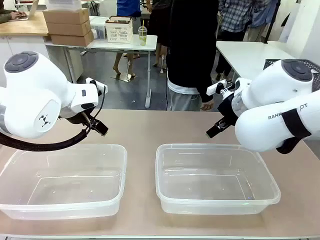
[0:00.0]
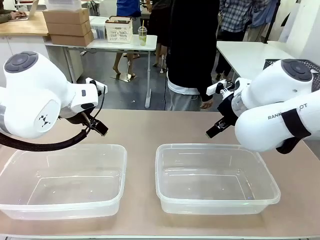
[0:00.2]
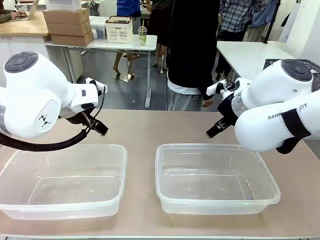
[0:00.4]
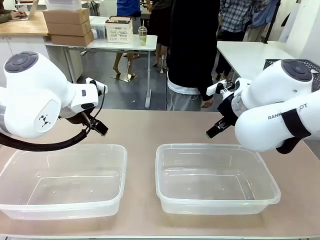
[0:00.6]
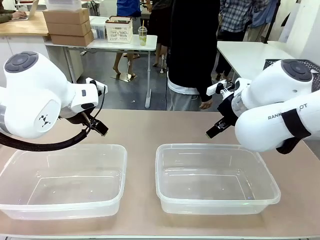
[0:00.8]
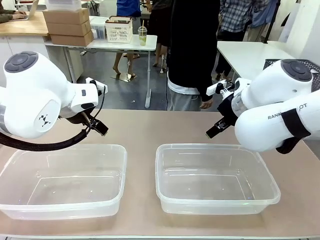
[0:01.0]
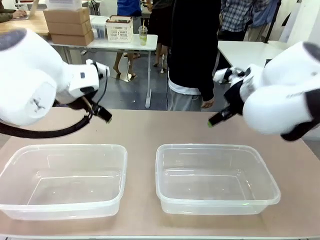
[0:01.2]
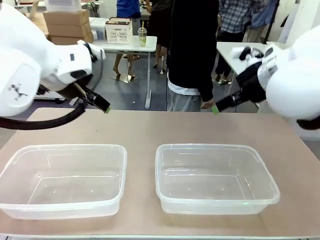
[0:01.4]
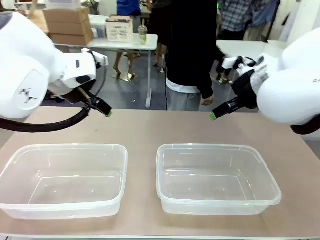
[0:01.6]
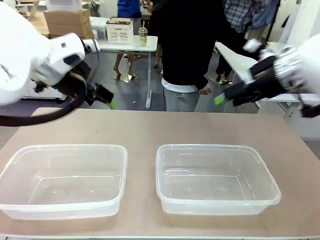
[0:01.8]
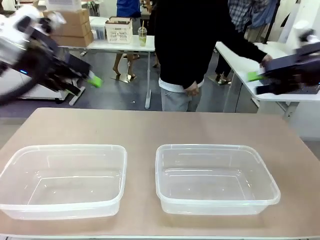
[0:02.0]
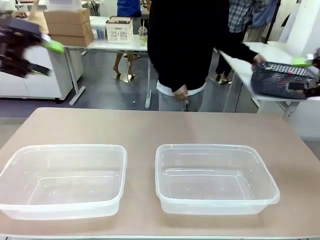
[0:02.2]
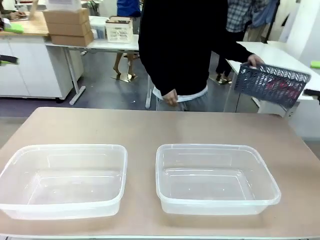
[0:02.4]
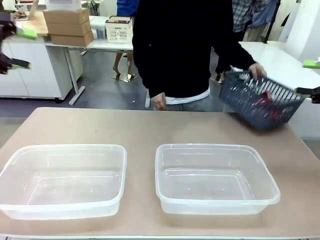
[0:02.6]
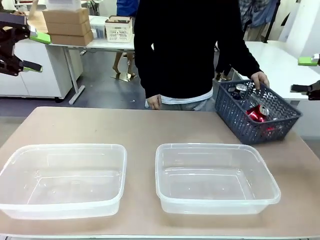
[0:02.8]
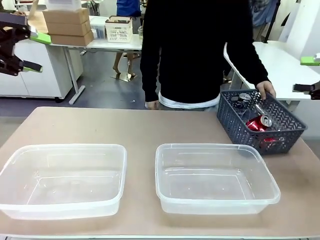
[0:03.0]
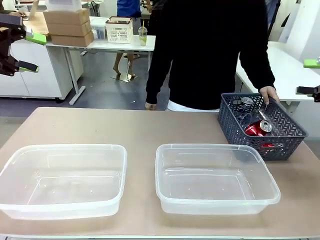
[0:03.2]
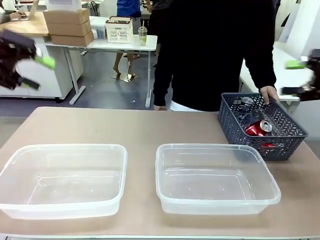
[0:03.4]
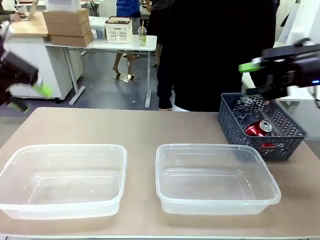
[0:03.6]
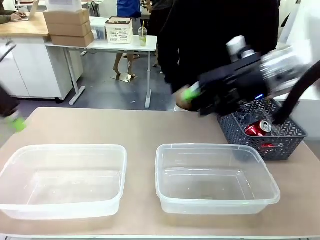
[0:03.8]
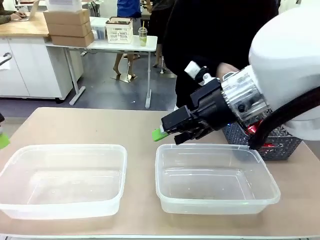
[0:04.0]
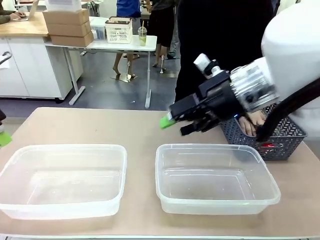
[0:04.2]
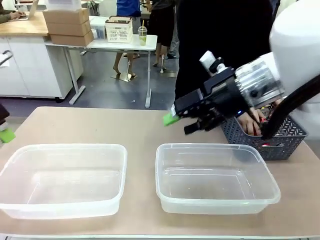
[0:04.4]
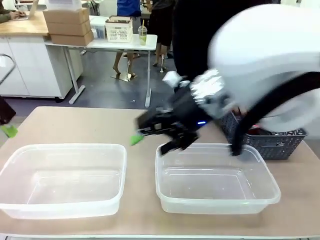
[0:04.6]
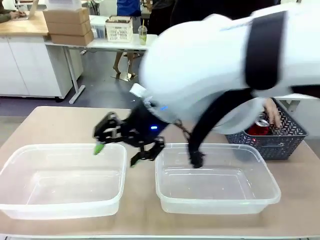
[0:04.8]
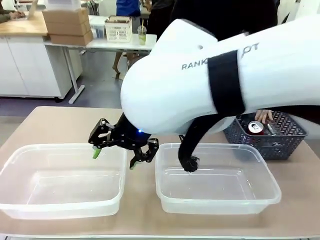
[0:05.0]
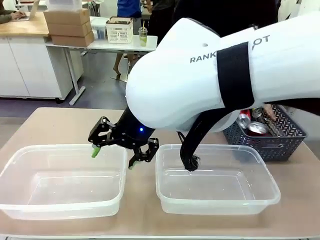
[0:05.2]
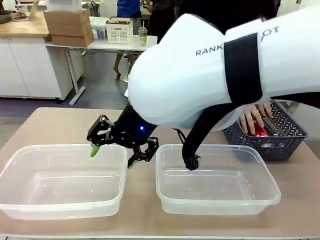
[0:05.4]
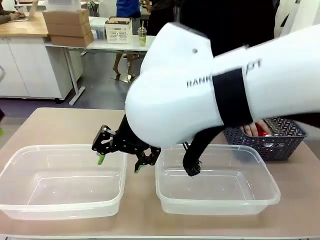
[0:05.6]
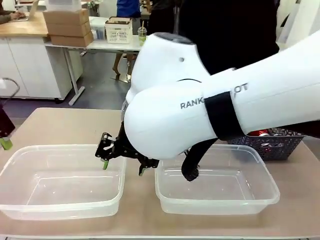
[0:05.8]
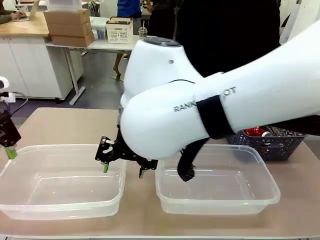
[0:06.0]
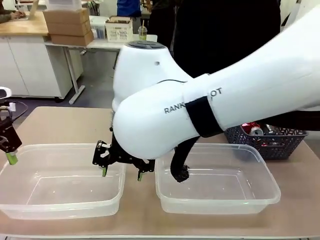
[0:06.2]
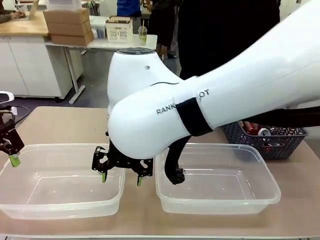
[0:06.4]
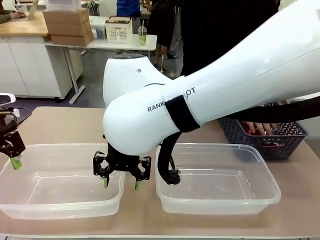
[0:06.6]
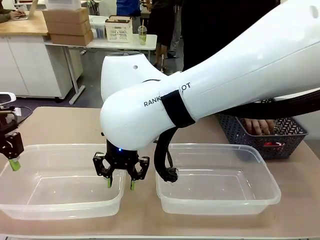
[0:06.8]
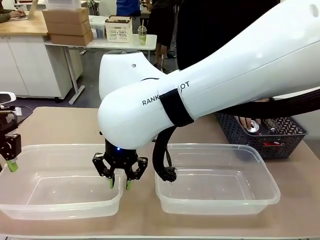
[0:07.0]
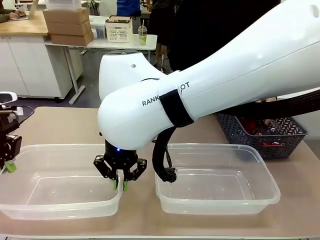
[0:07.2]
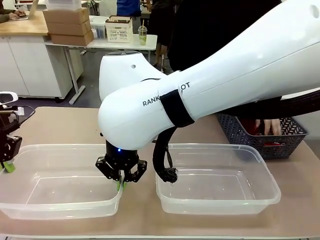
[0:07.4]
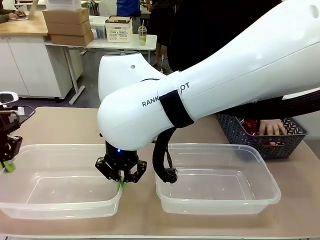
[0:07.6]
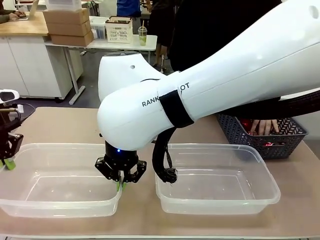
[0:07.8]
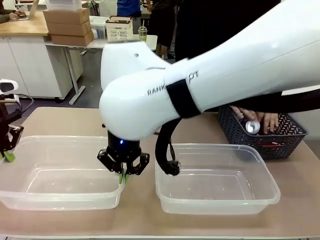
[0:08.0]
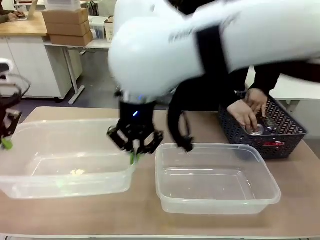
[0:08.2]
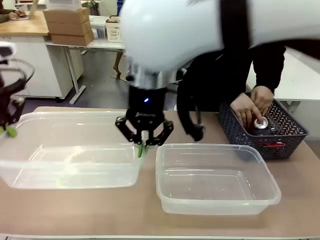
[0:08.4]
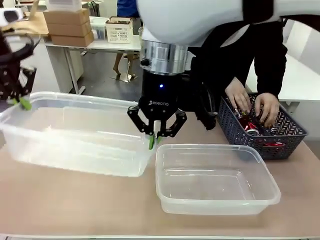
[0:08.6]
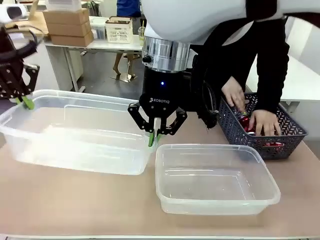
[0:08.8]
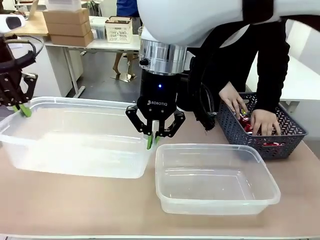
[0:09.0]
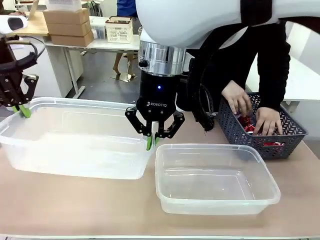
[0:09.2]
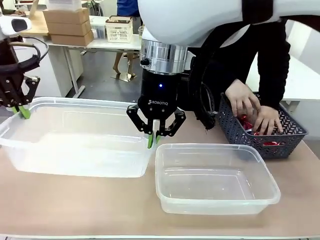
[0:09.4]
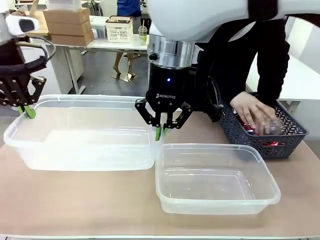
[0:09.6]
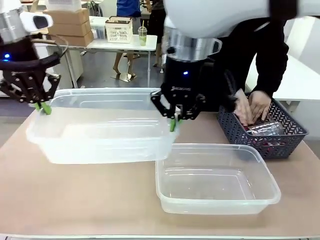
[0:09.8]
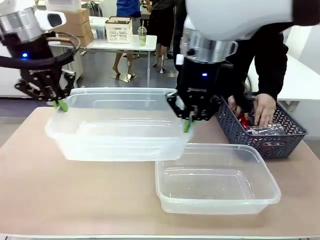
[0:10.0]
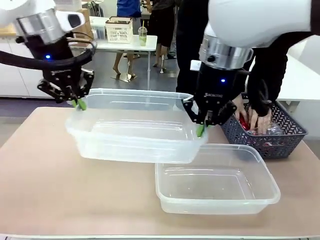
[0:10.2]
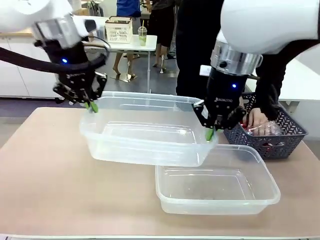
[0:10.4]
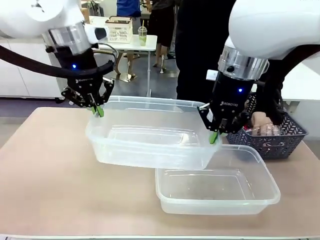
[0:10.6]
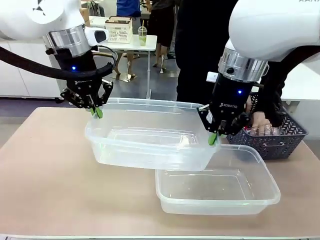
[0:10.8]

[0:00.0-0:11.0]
Robot: Pick up the Organizing box on the left side of the table and lift it.
Person: Pick up the storage basket and place it on the left side of the robot table. Pick up can-shaped waste one by one and place it into the organizing box lifted by the robot.

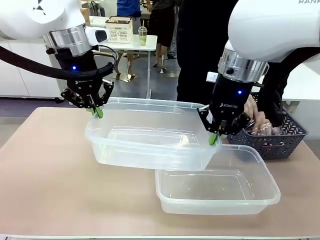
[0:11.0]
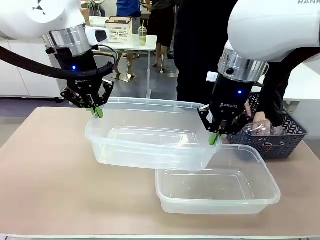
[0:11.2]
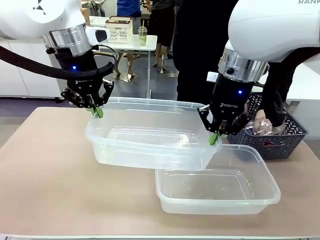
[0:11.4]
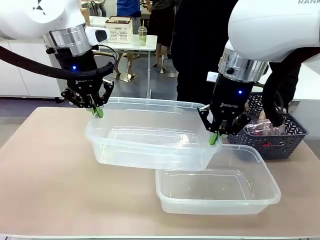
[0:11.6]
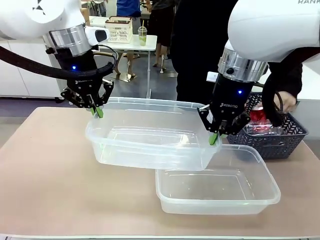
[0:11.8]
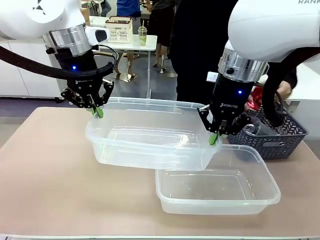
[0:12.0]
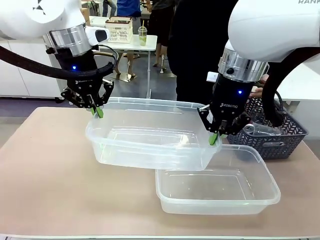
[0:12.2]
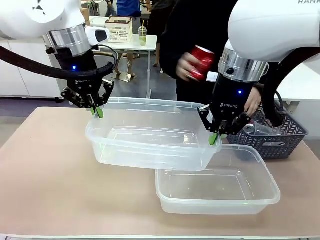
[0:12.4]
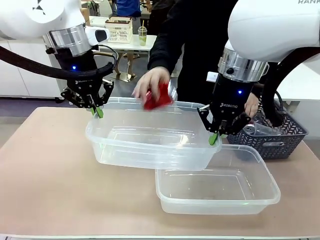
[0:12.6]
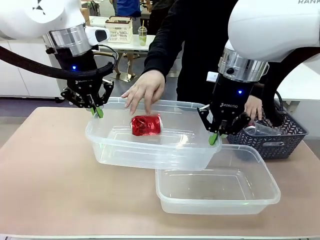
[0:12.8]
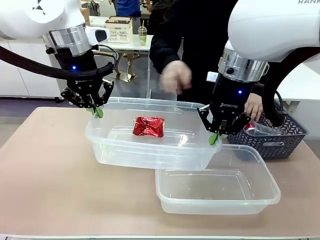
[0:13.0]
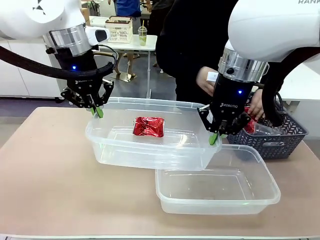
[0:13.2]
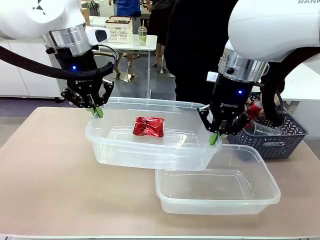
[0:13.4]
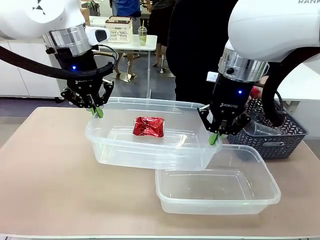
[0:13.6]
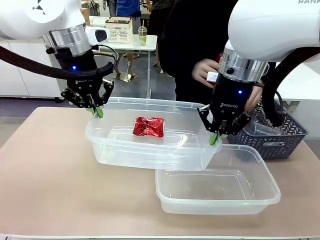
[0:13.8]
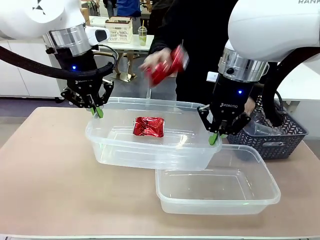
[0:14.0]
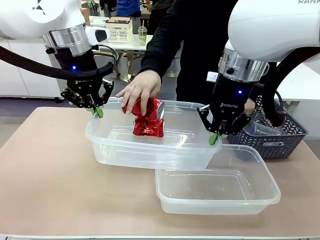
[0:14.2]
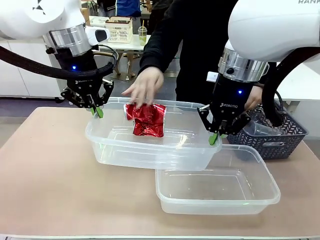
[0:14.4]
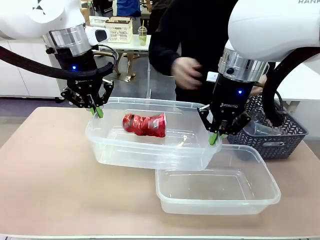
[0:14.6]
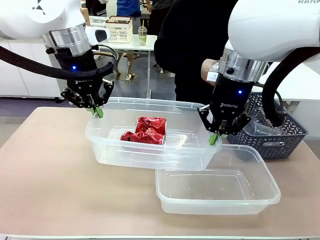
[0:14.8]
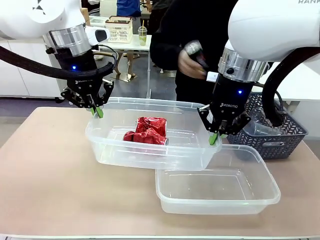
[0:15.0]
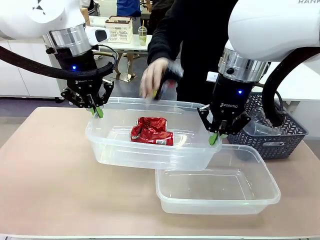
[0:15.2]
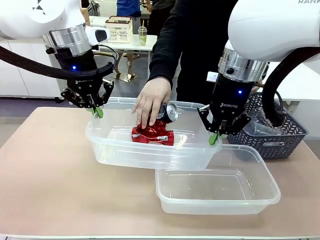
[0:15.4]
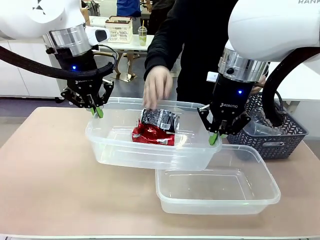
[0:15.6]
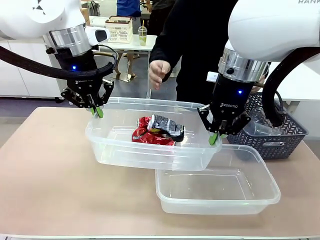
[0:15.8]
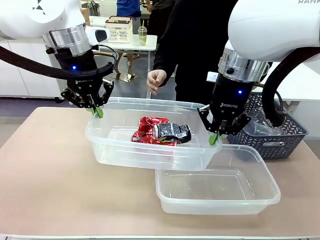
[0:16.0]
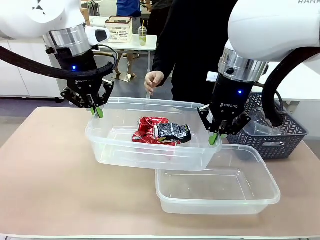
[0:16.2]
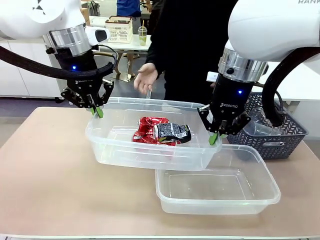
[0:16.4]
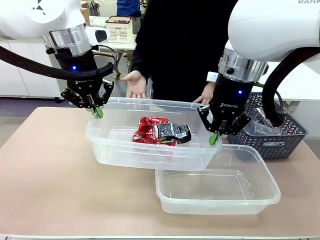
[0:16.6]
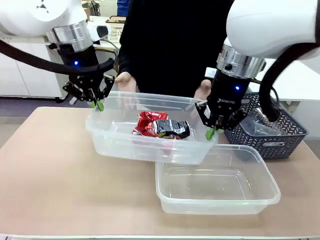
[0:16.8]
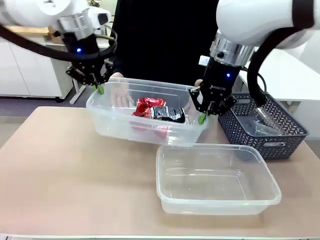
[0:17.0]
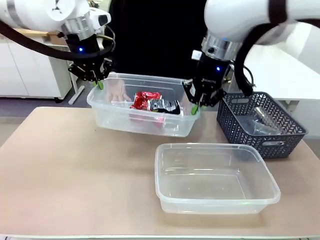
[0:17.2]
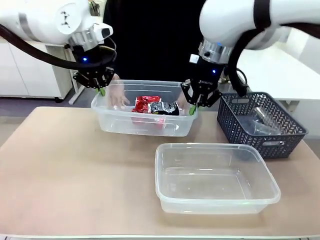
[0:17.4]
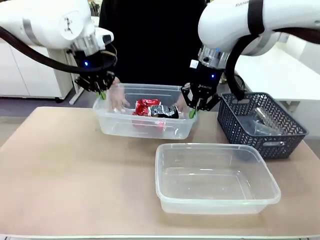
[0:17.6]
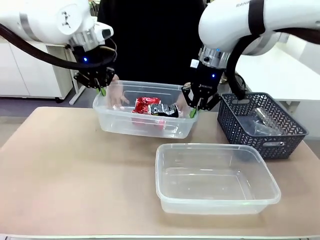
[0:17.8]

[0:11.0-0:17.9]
Robot: Offer the picked Organizing box to the human.

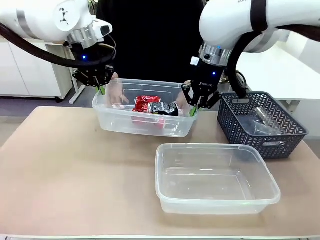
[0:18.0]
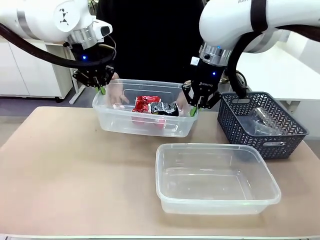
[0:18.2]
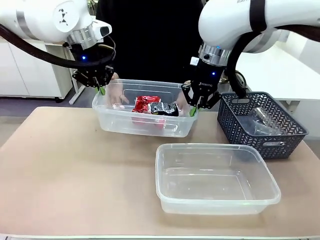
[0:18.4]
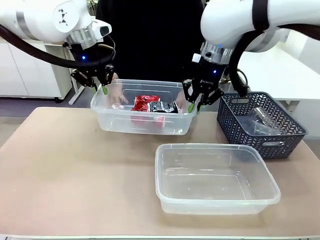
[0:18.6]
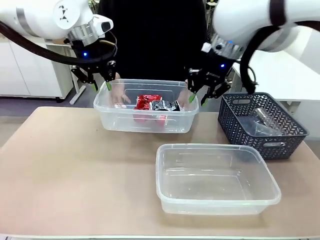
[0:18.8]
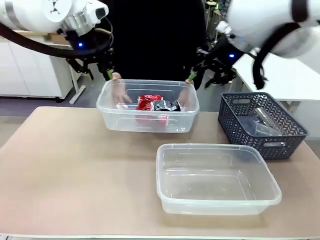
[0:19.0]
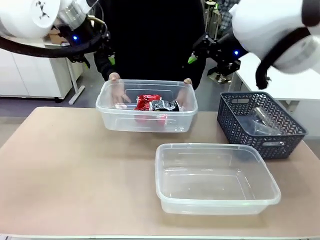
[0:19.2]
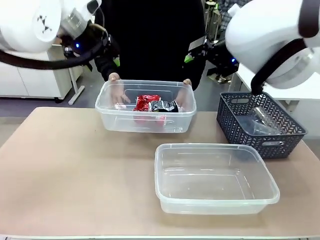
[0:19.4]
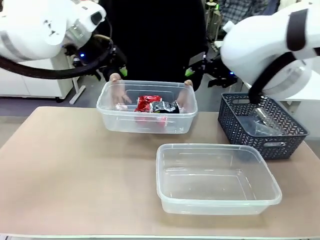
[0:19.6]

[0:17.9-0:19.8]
Robot: Release the Organizing box you were holding.
